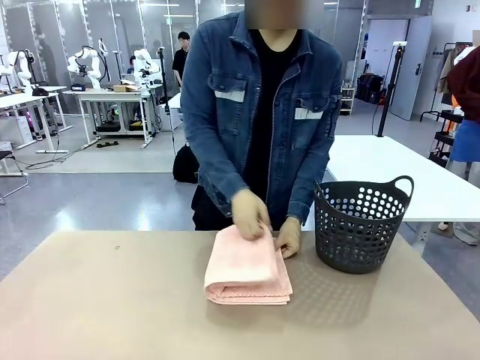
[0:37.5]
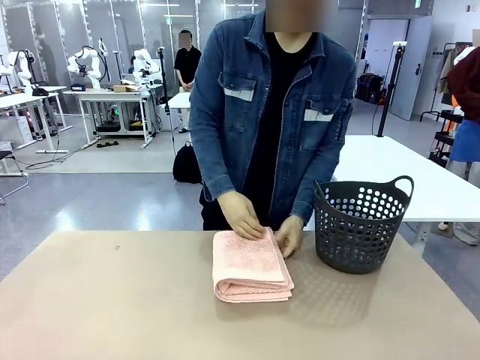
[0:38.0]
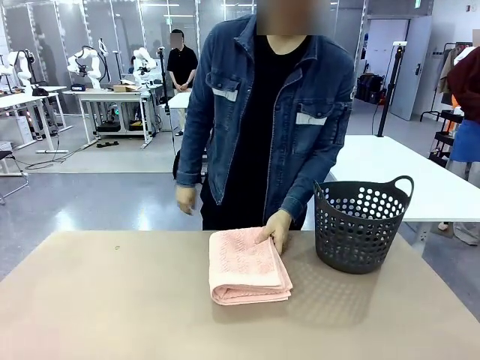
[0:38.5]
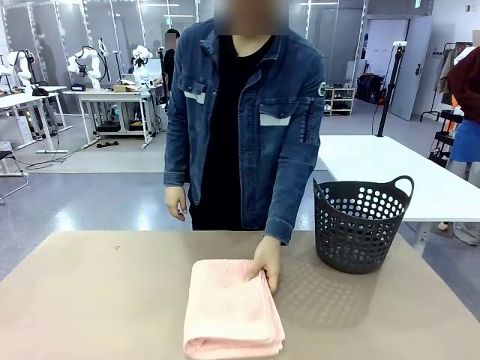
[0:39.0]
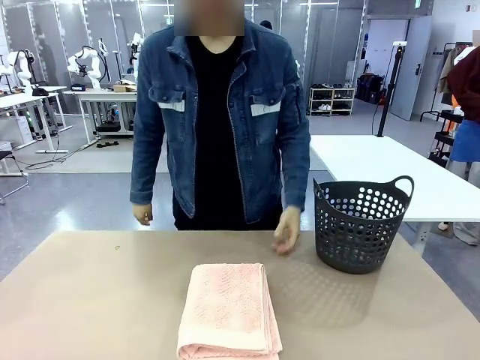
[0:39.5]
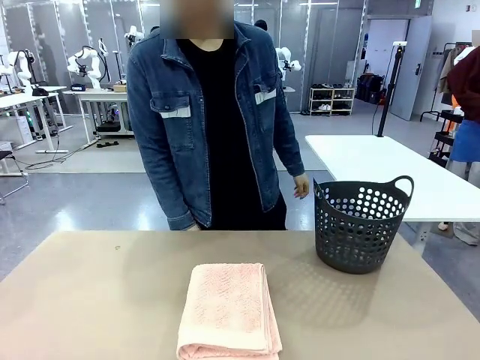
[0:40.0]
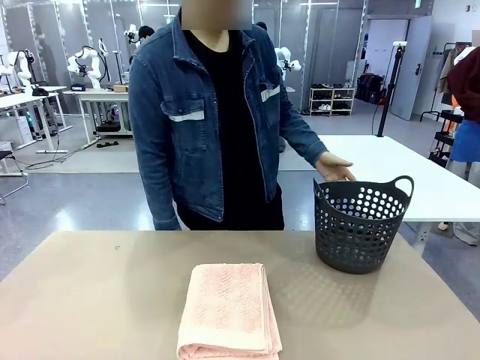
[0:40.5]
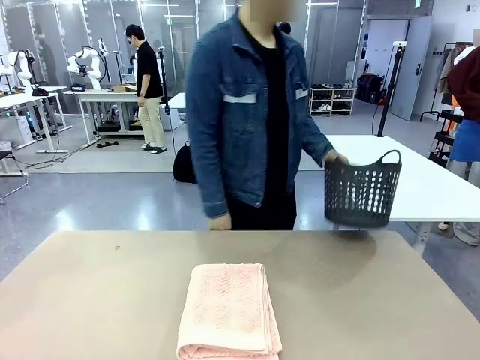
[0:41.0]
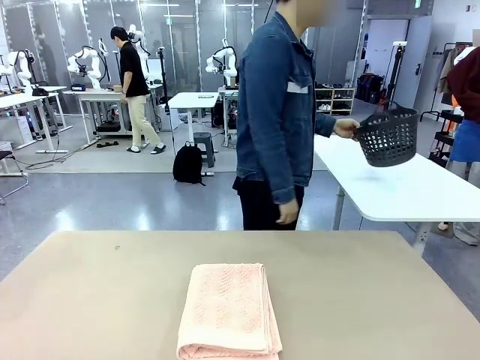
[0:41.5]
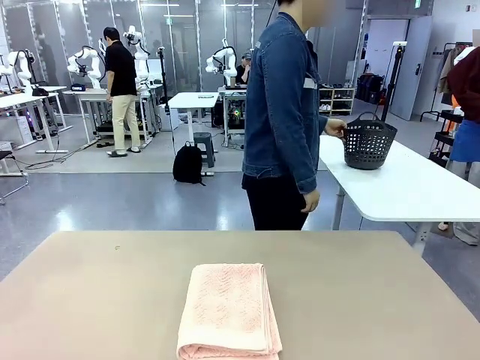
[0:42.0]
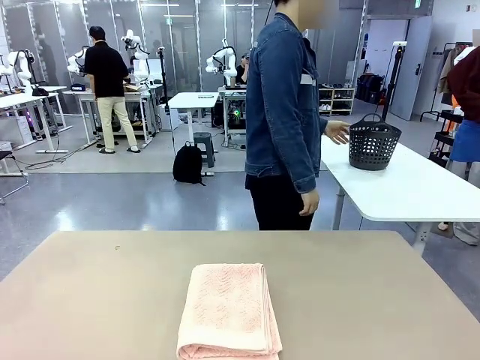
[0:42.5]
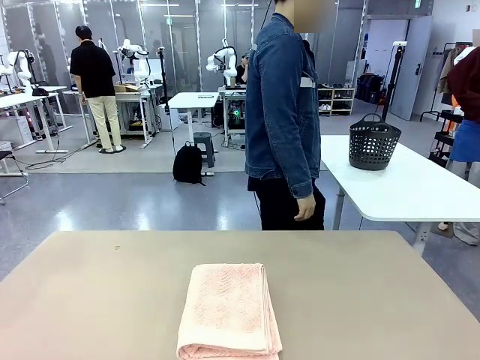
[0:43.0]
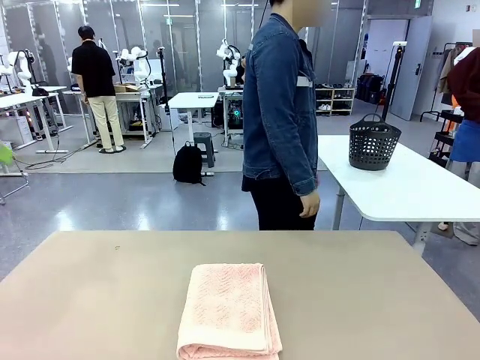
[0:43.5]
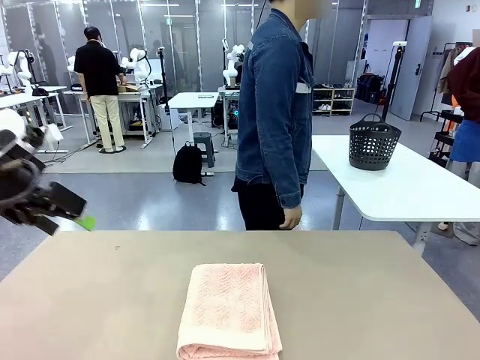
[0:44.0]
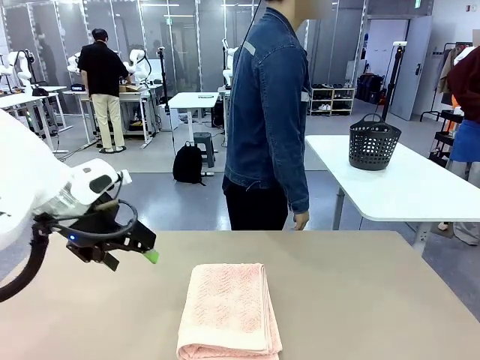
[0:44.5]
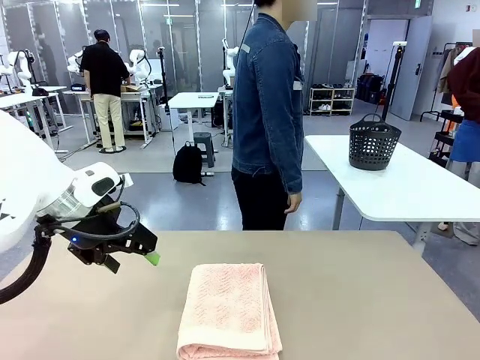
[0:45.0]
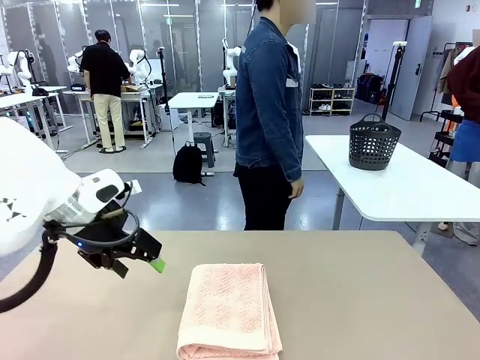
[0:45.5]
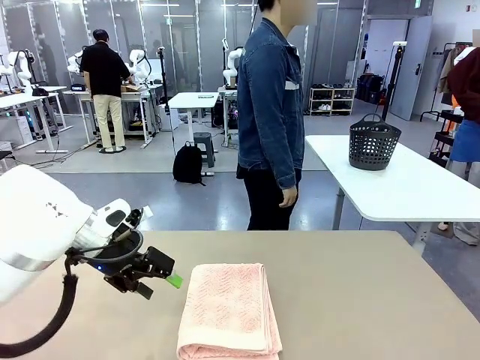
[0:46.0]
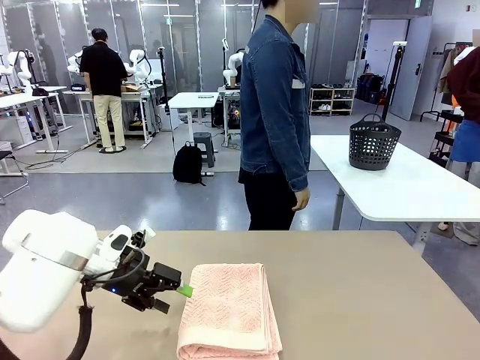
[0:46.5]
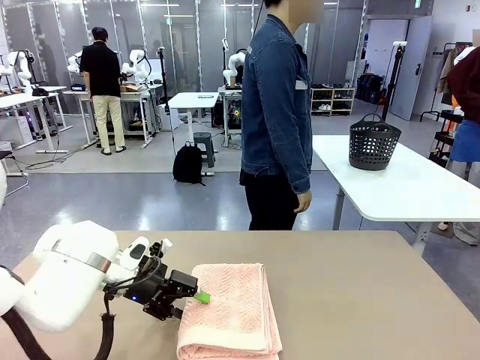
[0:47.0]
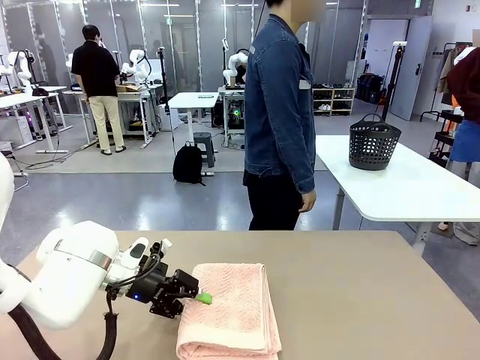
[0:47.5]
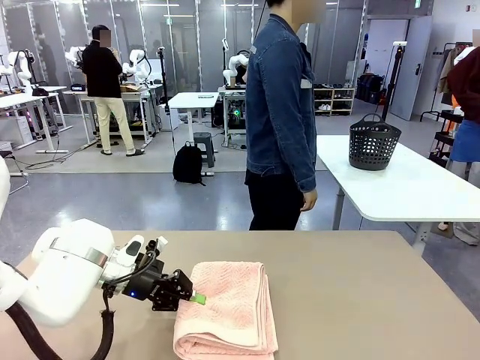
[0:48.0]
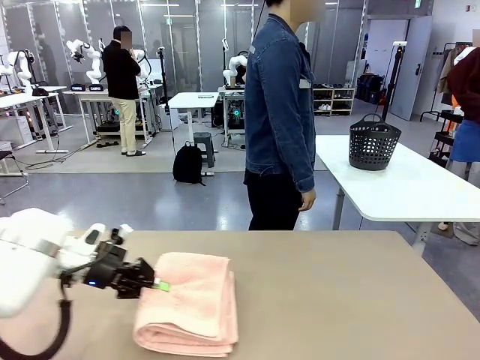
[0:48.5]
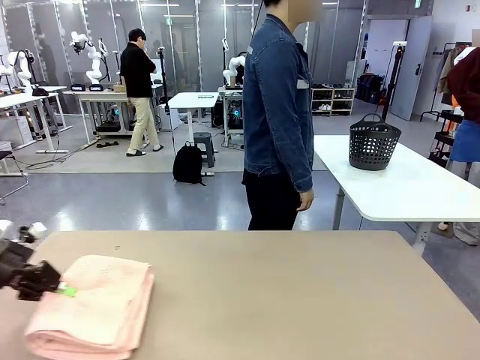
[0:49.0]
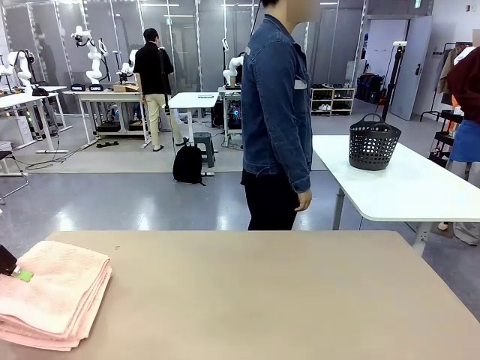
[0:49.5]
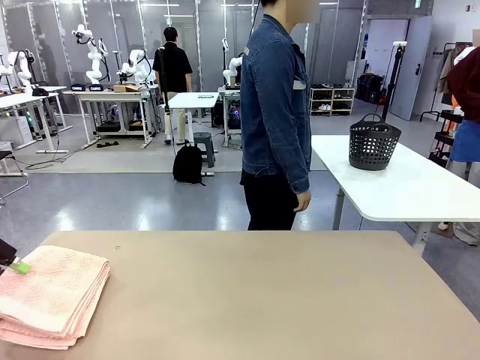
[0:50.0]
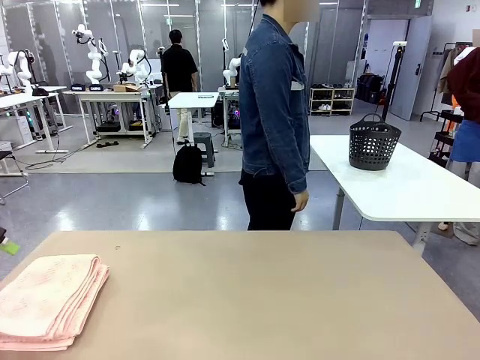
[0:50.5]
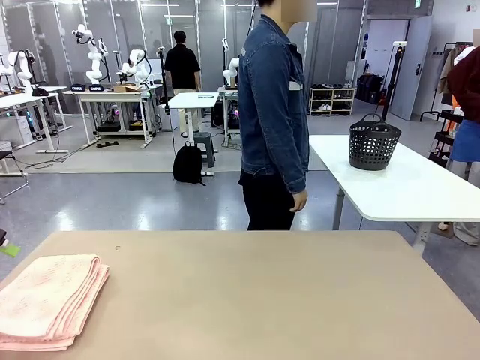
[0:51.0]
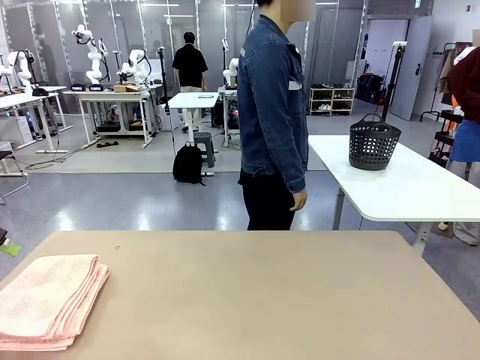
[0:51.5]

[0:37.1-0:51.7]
Task: Fold the towel.
Robot: Pick up the 100 cm Hotel Towel and place it on the left side of the table.
Person: Pick up the laundry basket and place it at the center of the human table.

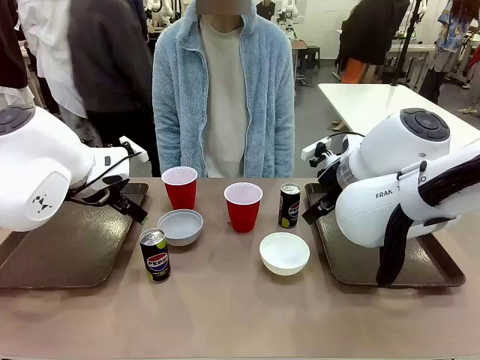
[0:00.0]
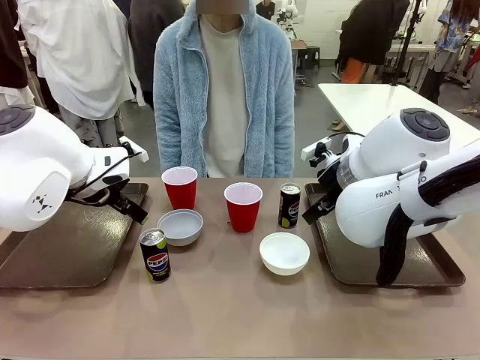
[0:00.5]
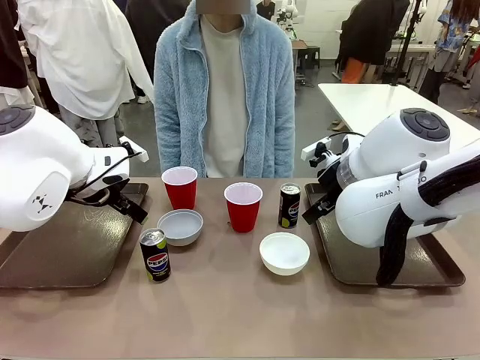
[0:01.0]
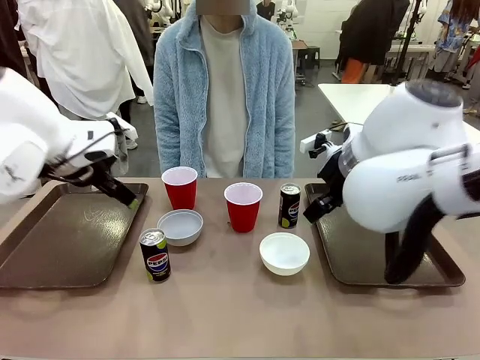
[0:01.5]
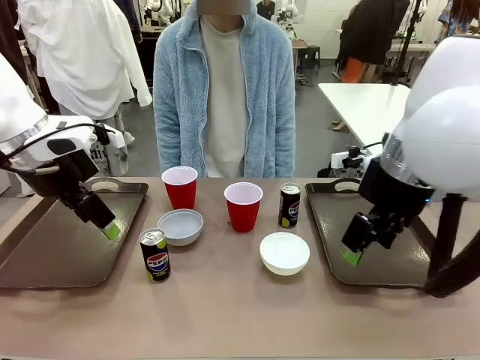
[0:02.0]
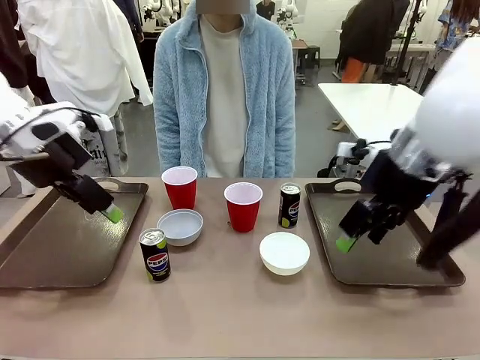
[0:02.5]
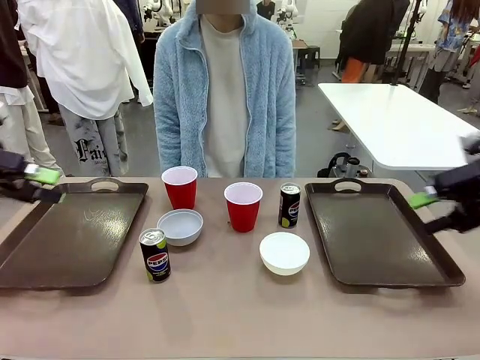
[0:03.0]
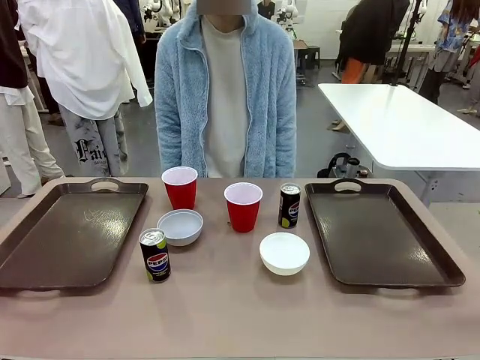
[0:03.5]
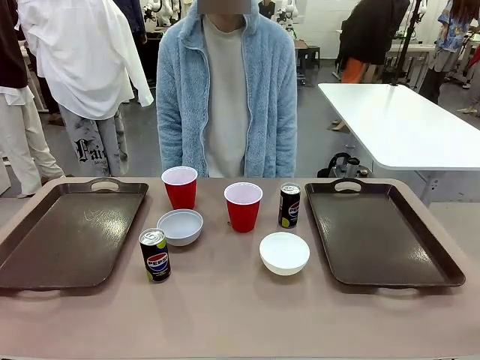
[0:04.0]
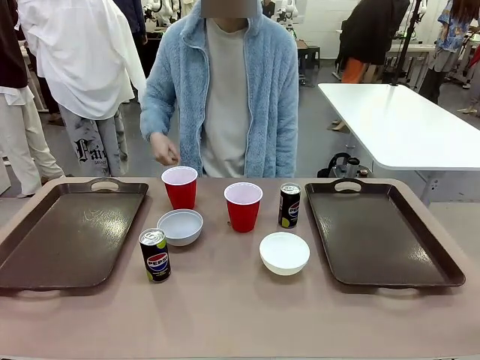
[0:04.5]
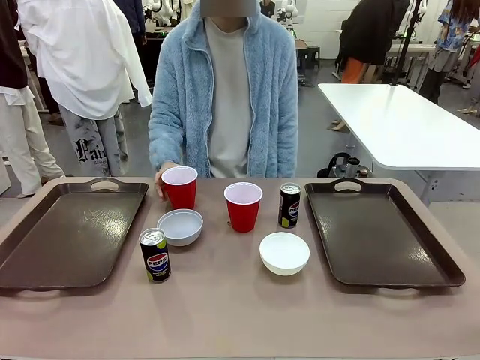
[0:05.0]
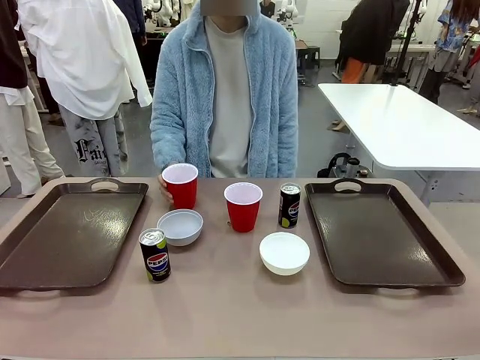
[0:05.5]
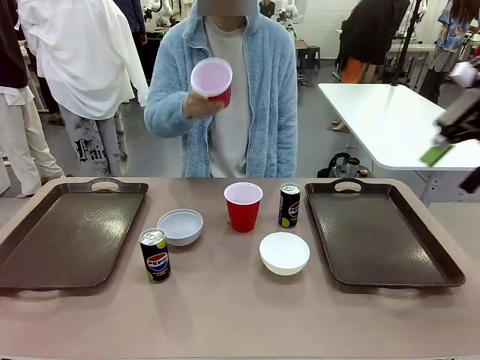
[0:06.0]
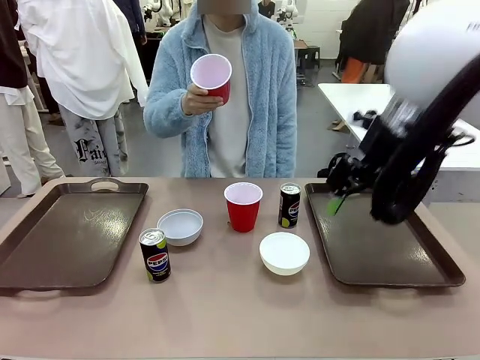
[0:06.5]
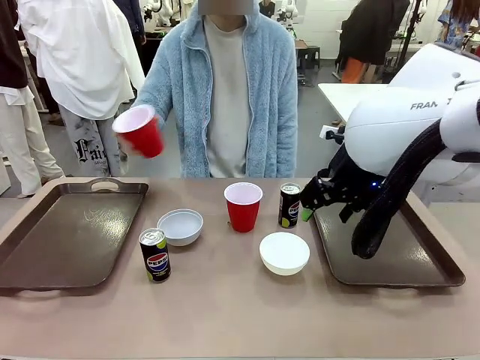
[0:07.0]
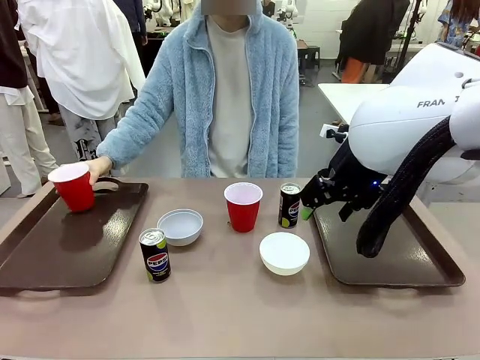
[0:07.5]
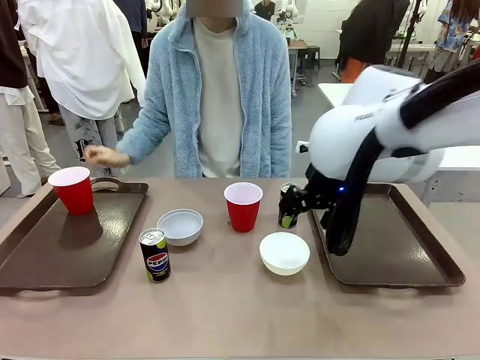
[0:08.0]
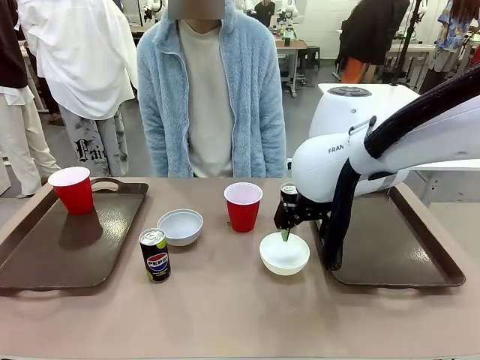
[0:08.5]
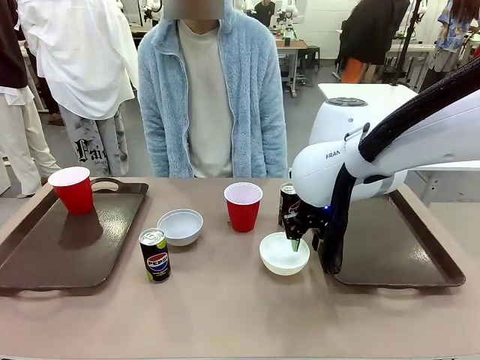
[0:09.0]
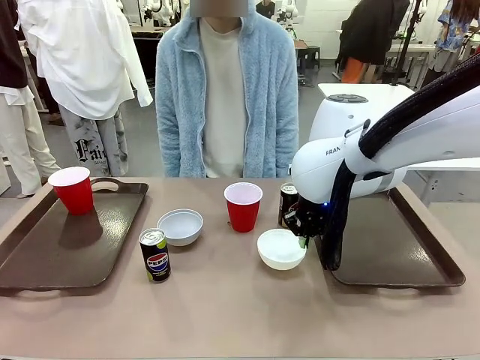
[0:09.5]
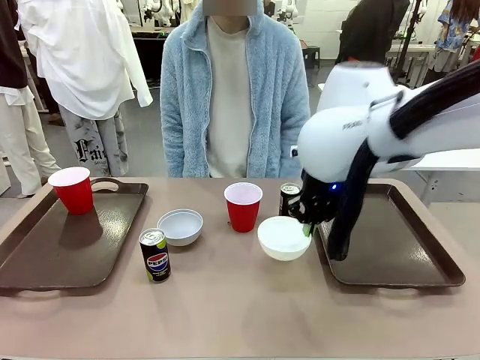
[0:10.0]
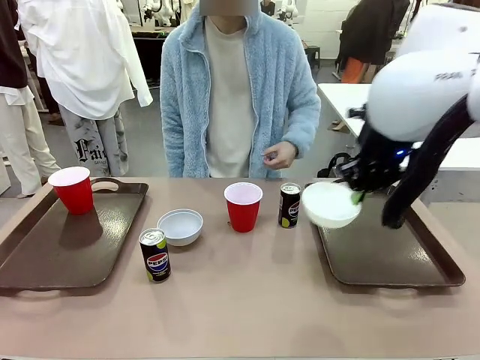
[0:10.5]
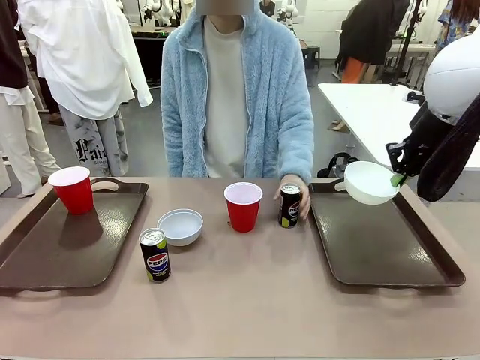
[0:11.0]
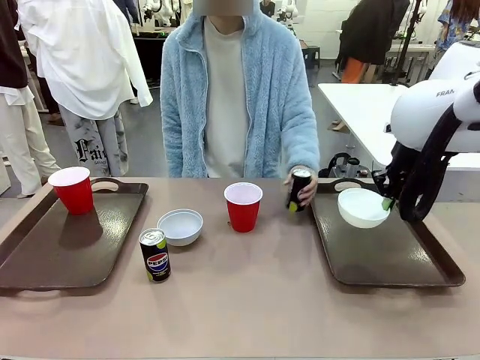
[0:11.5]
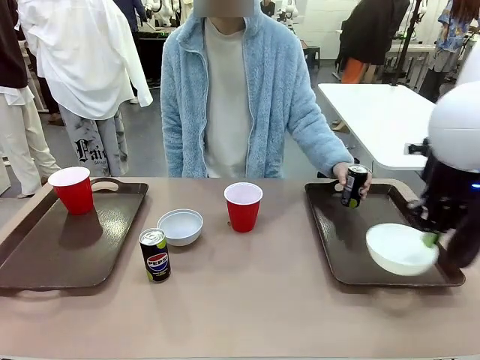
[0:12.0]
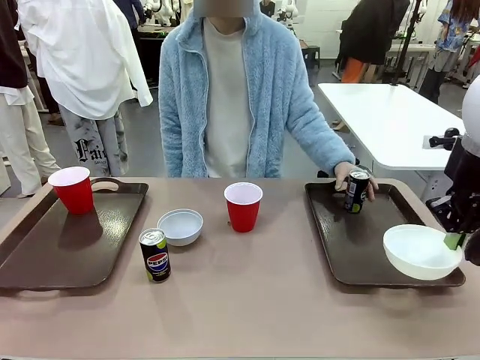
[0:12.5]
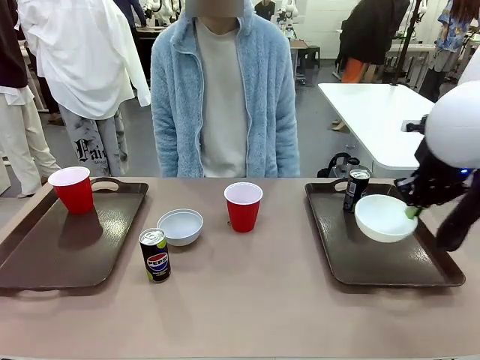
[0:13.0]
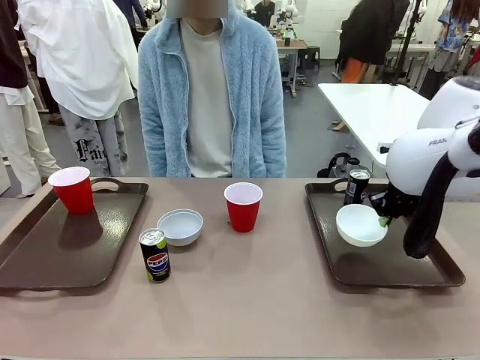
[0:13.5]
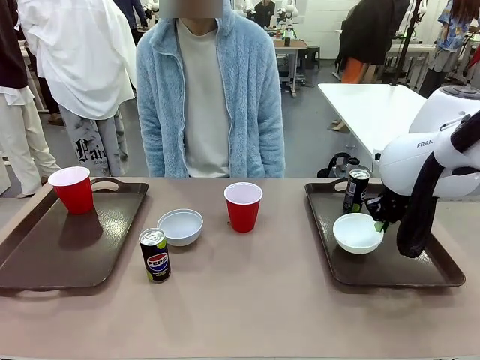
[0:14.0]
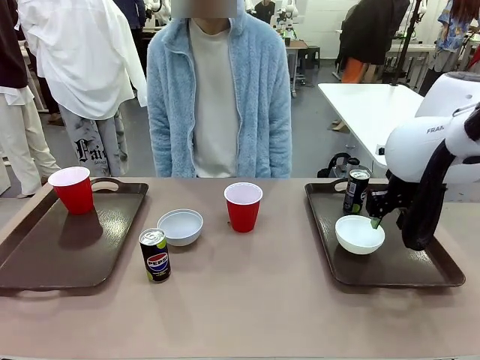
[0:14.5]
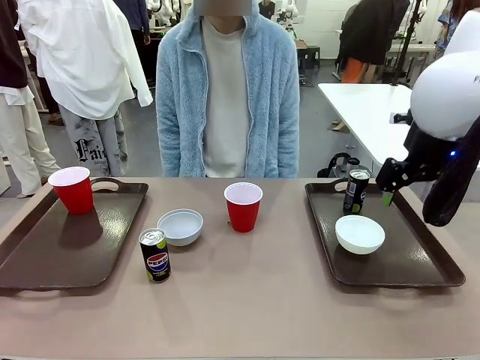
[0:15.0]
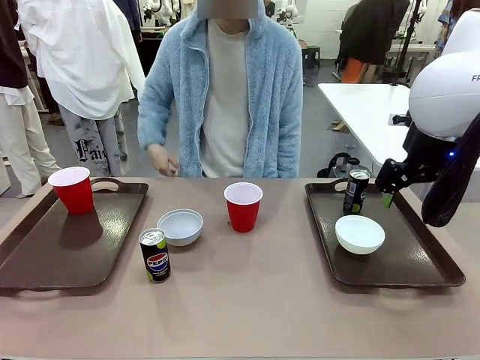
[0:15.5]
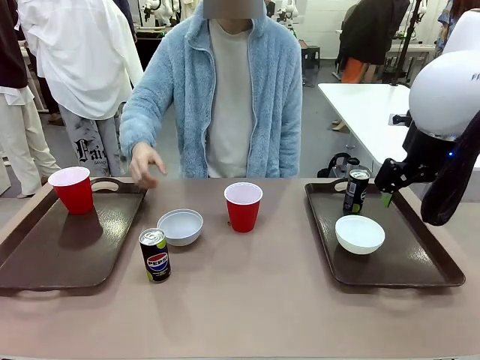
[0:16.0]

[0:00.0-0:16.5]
Task: Prepare tableware on both trays.
Robot: Pick up a Picnic Bowl from the table and place it on a Handle tray.
Person: Pick up a can or cup and place it on the tray.
